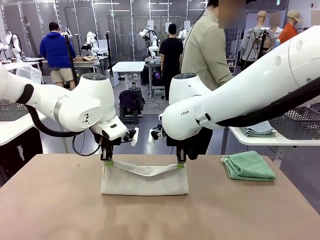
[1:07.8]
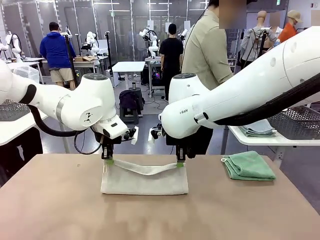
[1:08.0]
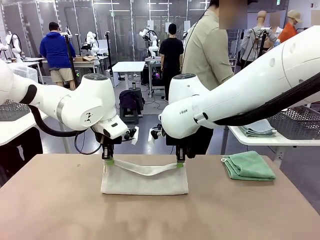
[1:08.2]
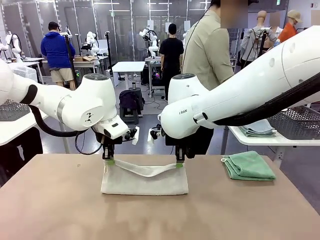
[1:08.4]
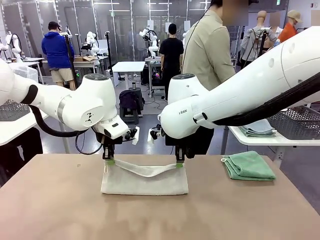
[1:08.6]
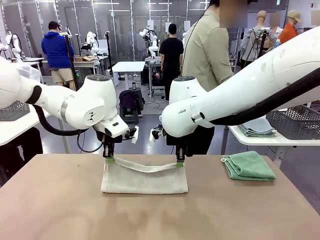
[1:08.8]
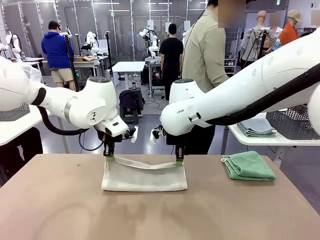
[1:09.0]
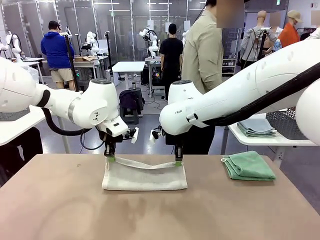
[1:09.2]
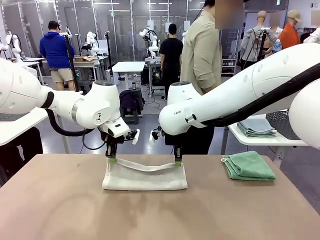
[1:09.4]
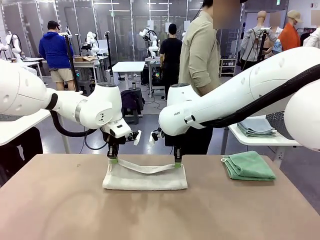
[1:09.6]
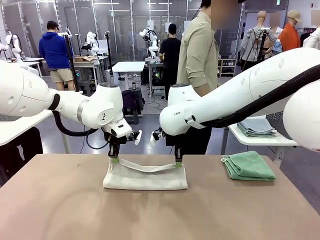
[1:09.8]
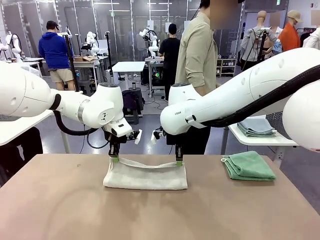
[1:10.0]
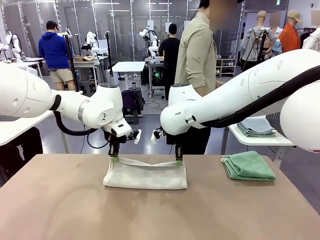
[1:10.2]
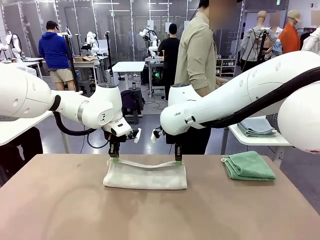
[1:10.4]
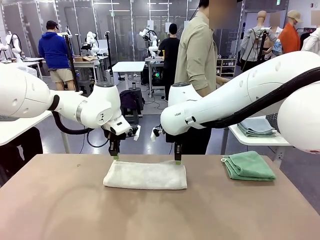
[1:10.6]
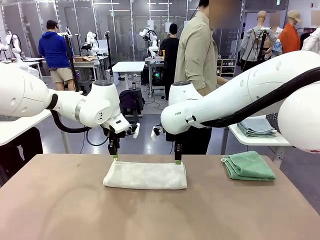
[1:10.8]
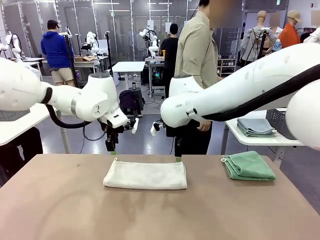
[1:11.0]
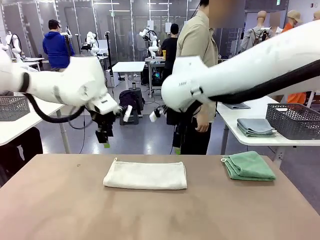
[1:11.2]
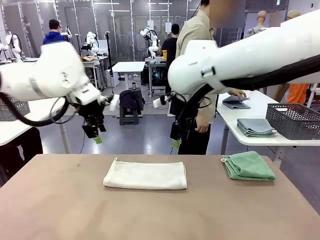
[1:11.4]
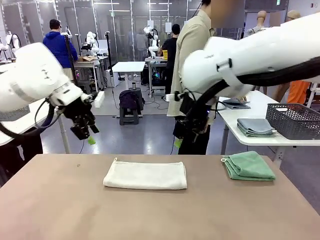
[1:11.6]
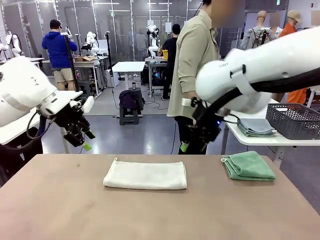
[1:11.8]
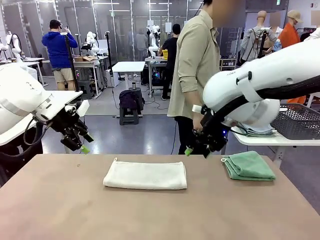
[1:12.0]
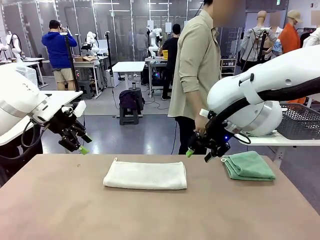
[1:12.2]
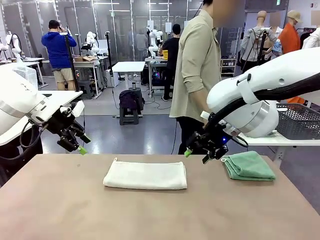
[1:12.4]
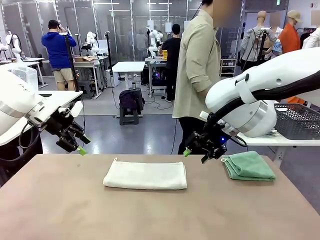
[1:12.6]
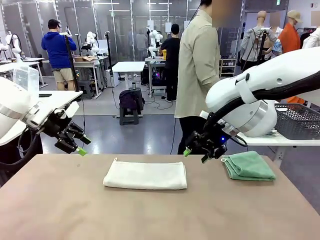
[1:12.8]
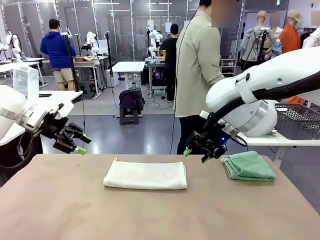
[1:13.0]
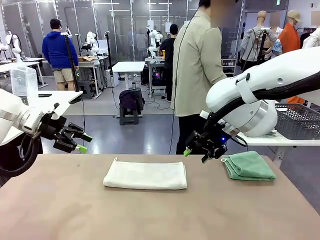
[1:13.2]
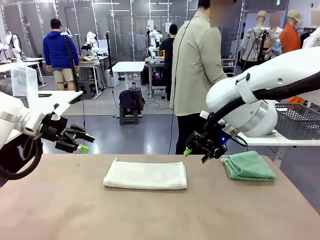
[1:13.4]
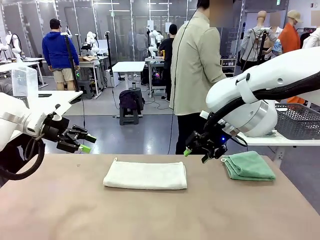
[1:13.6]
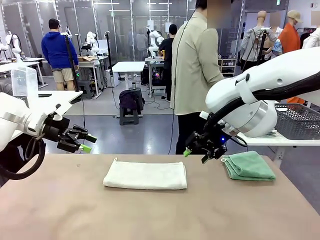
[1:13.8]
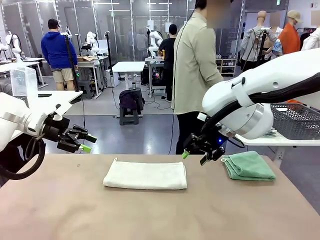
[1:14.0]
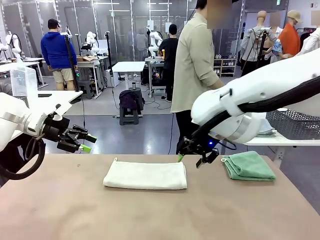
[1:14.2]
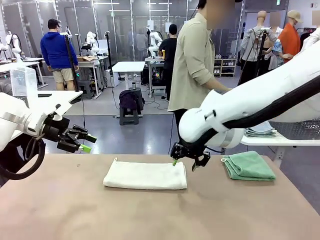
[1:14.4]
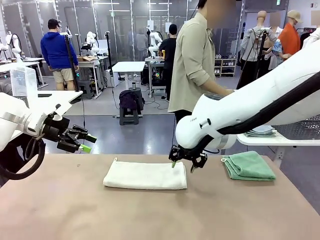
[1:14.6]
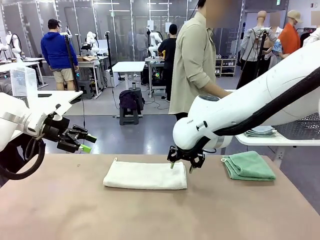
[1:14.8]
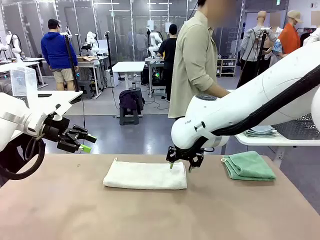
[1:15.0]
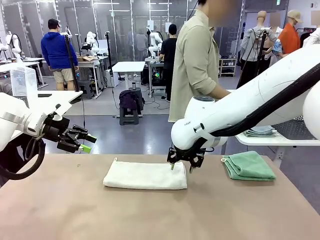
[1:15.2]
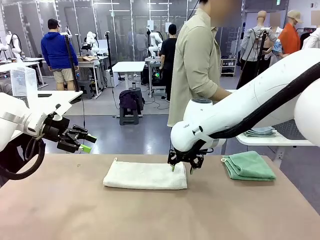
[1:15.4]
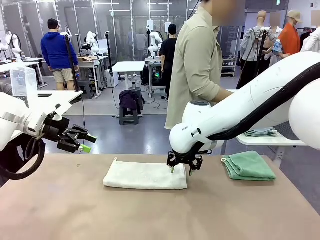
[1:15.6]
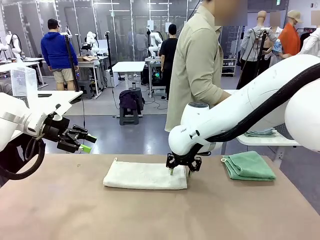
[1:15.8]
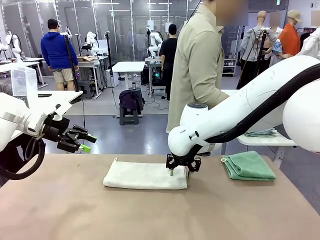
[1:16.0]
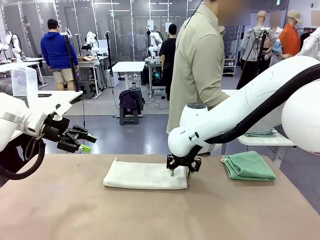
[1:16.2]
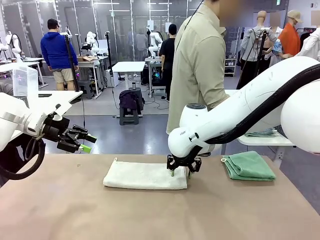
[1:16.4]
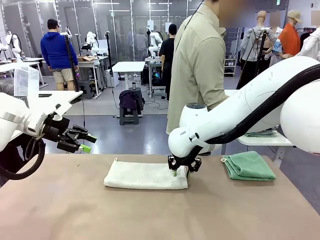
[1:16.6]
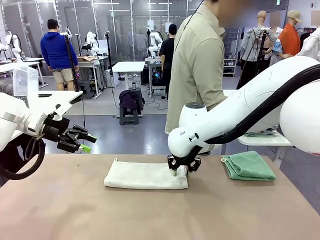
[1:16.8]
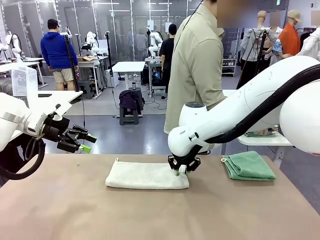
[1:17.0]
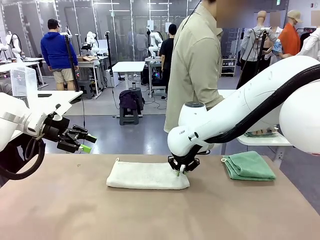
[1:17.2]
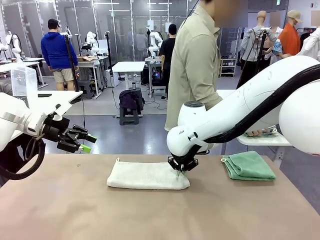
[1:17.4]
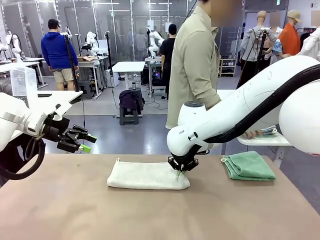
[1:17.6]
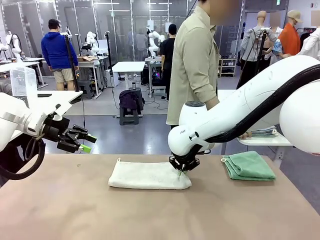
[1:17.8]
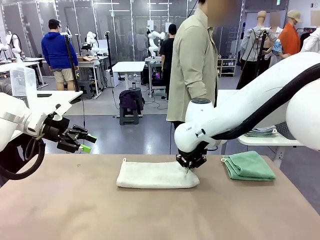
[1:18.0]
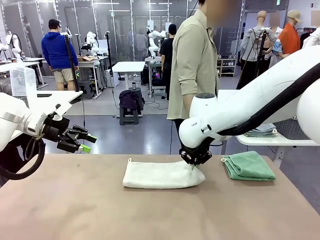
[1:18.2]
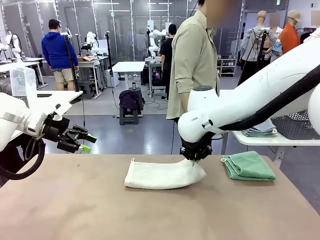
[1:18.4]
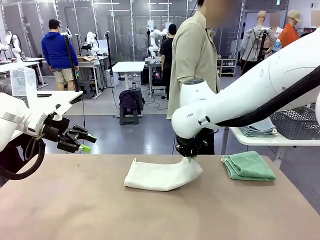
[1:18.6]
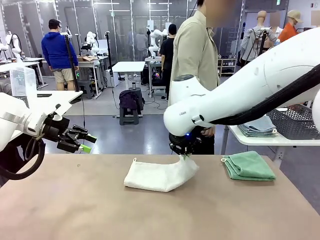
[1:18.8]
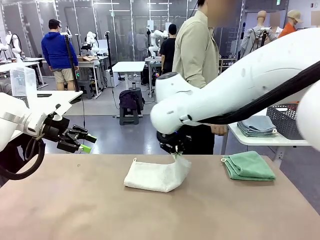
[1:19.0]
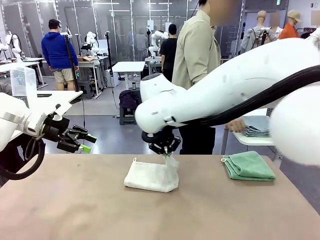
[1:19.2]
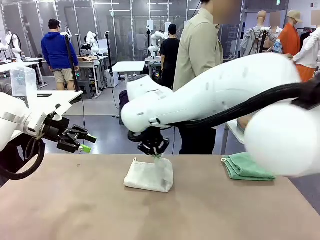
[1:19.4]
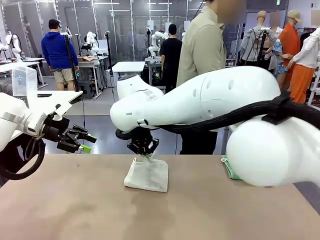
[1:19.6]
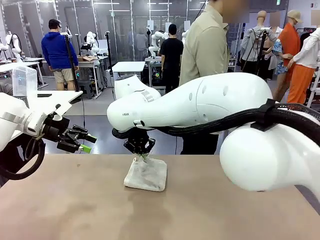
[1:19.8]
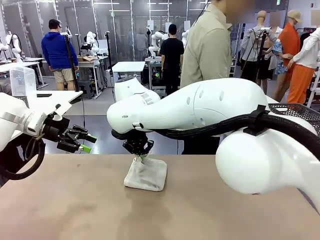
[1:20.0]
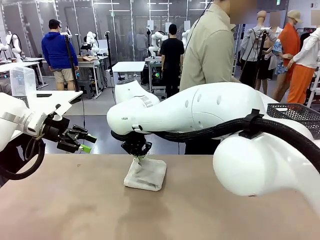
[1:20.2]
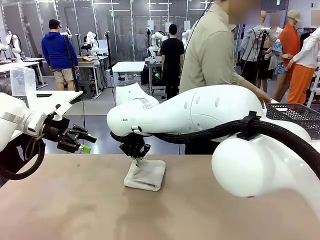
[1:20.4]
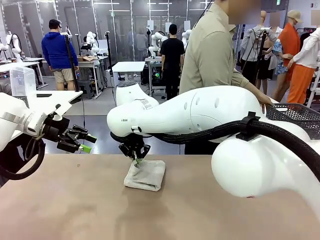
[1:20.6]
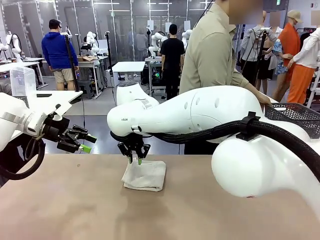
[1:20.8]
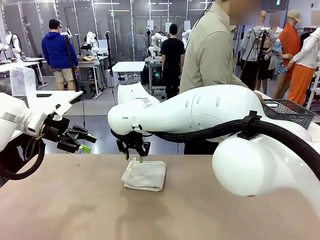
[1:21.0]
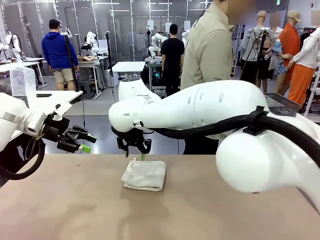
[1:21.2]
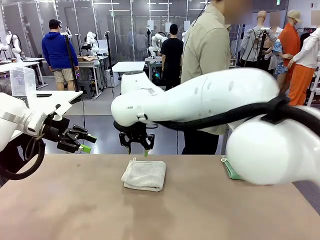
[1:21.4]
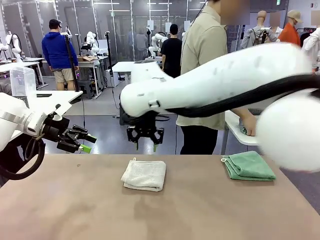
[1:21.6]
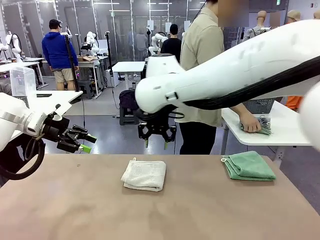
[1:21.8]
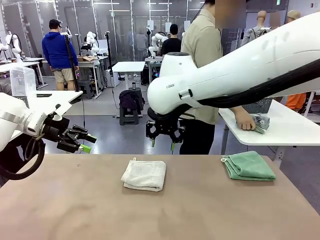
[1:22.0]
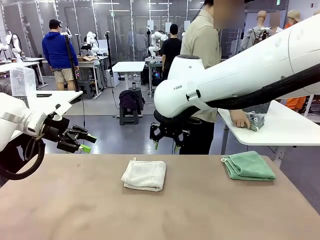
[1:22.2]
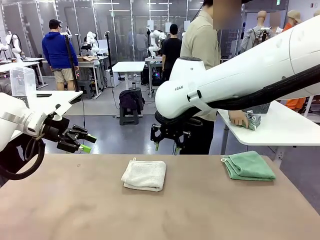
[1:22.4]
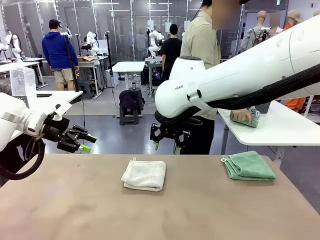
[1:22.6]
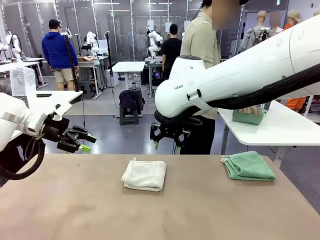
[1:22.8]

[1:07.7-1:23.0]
Task: Fold the towels and place them in the basket.
Robot: When a person lays out a Towel with hook on the table, fold it in half twice.
Person: Pick up one towel from the left side of the human table, fold it in half twice, and stack it on the right side of the table.
